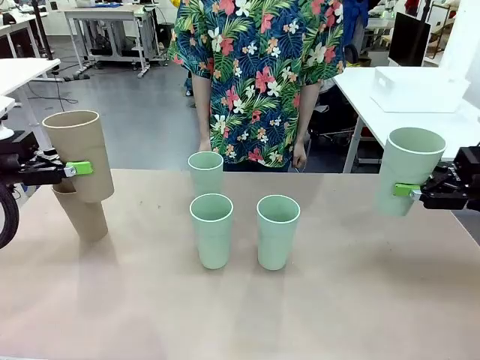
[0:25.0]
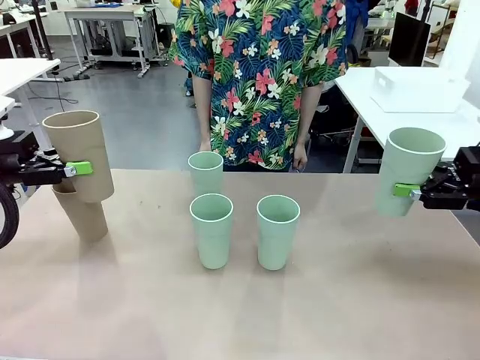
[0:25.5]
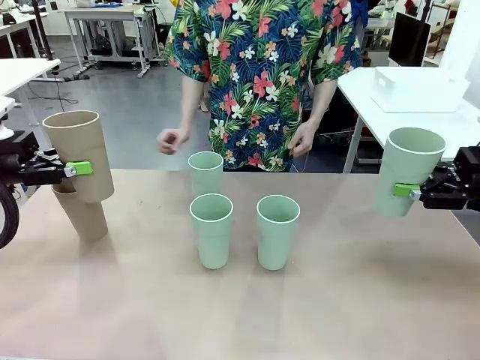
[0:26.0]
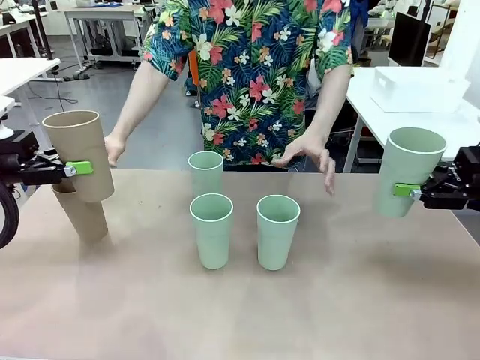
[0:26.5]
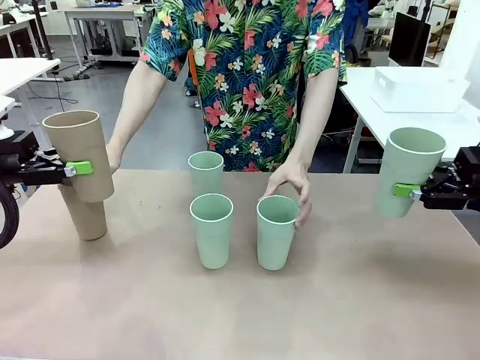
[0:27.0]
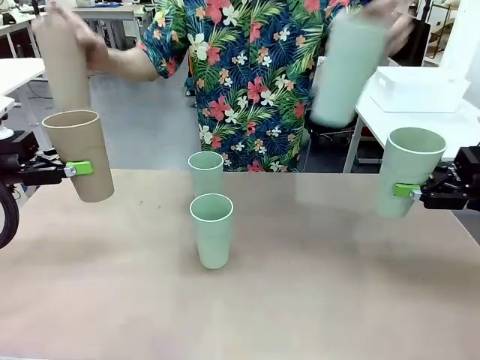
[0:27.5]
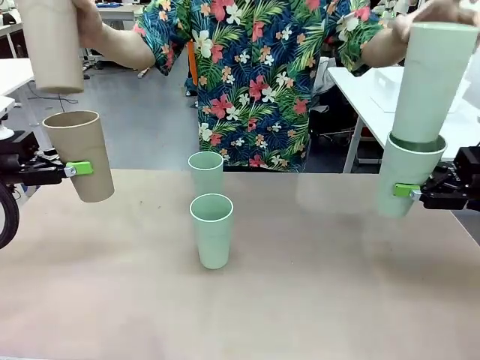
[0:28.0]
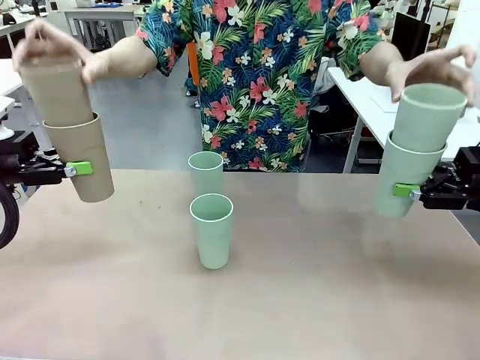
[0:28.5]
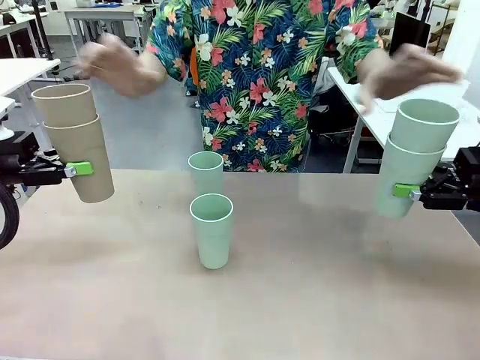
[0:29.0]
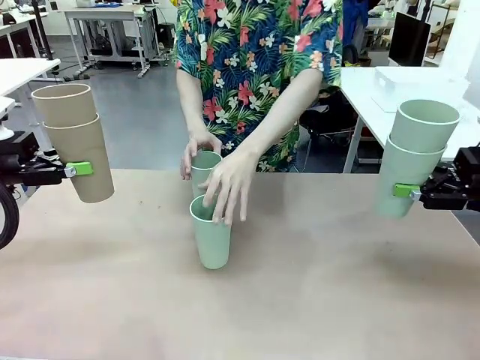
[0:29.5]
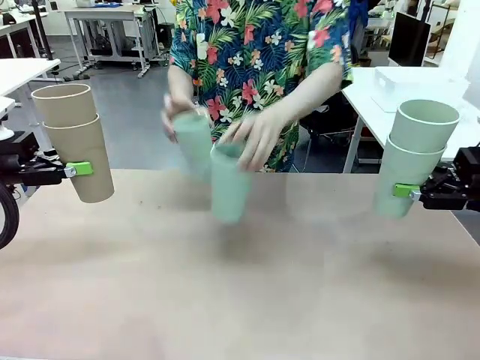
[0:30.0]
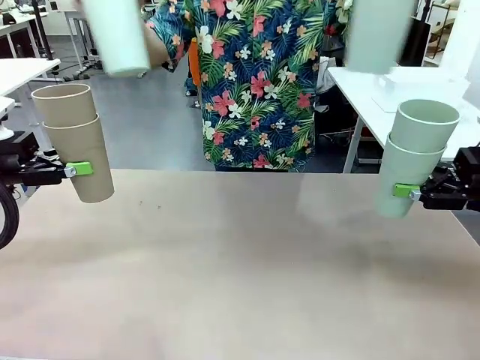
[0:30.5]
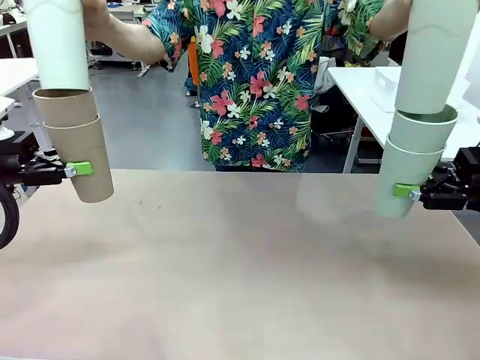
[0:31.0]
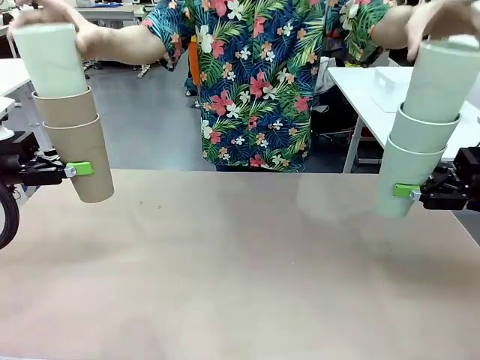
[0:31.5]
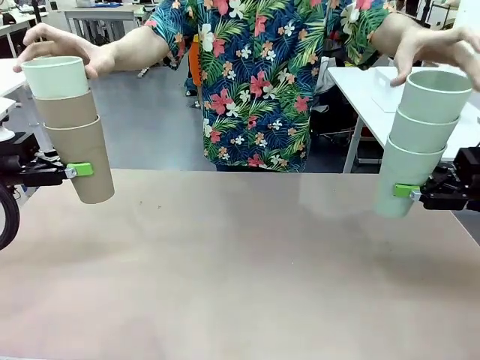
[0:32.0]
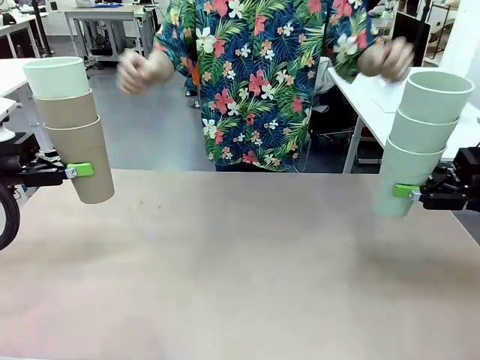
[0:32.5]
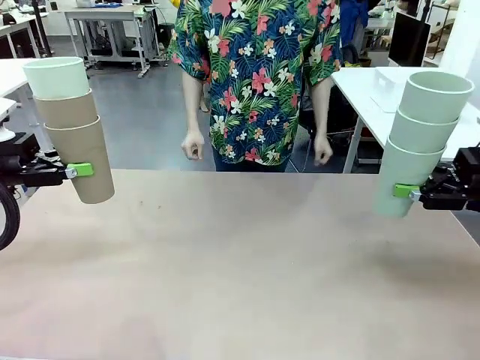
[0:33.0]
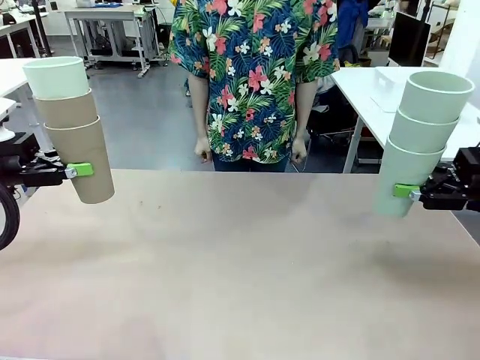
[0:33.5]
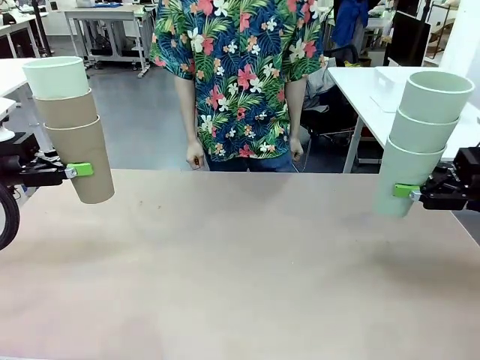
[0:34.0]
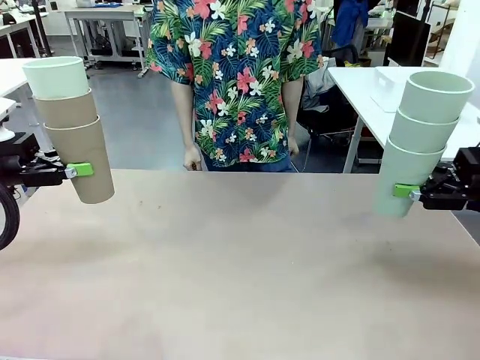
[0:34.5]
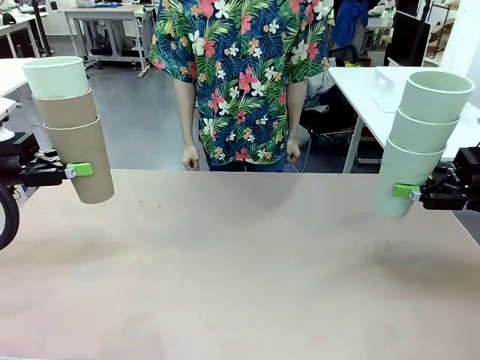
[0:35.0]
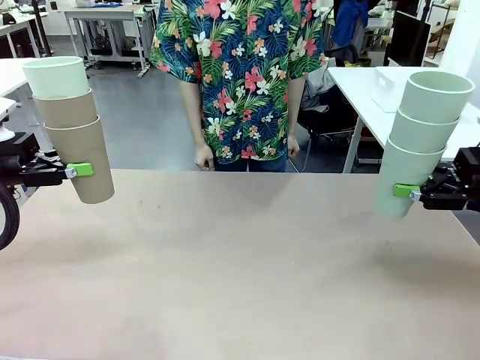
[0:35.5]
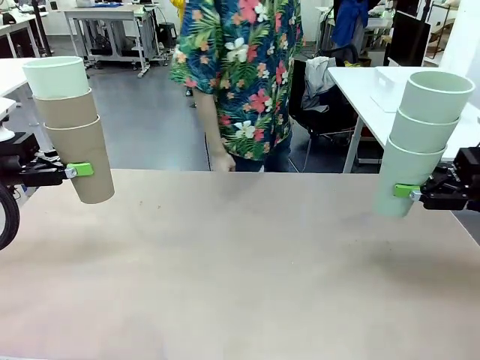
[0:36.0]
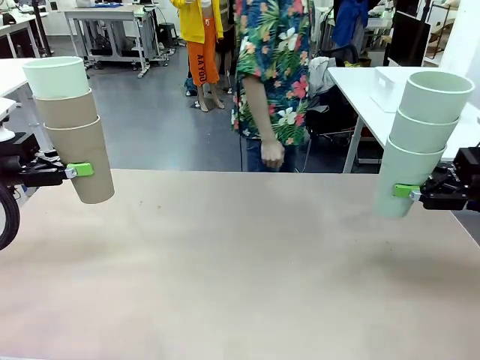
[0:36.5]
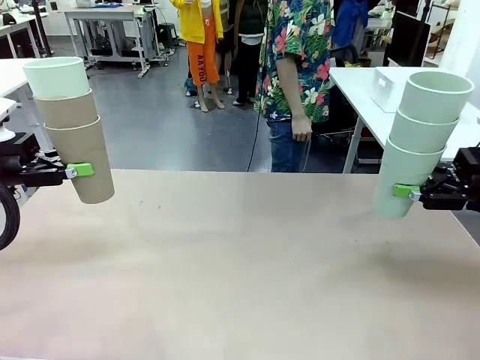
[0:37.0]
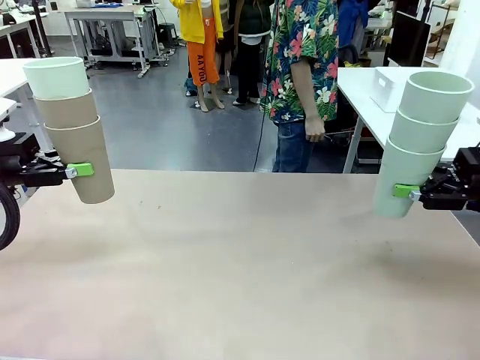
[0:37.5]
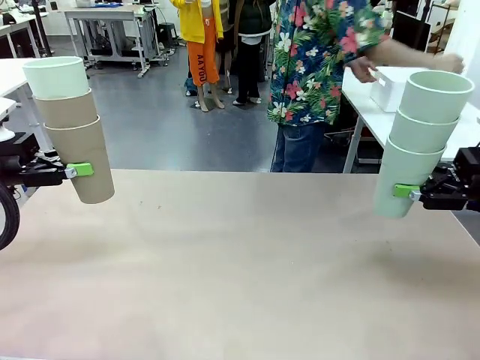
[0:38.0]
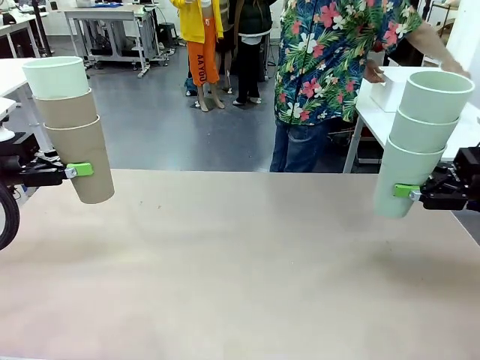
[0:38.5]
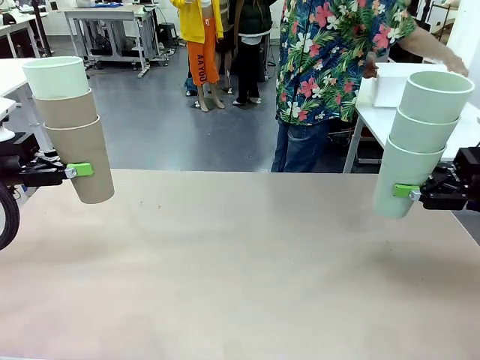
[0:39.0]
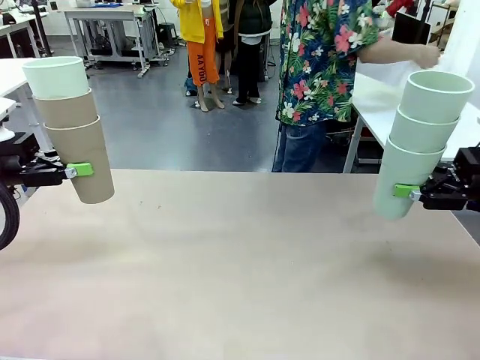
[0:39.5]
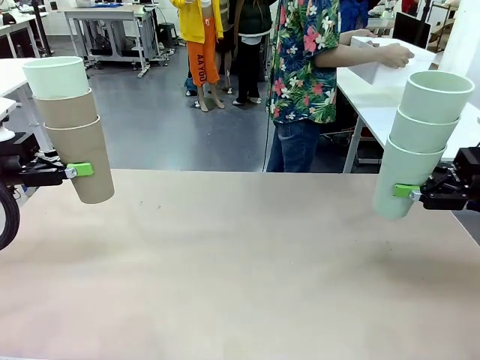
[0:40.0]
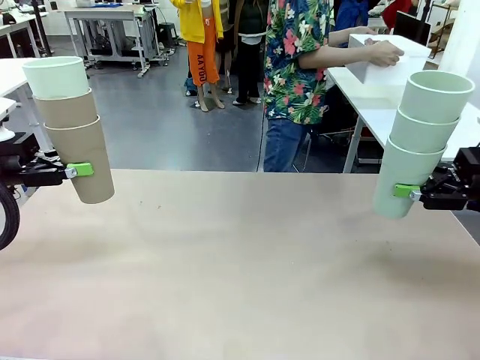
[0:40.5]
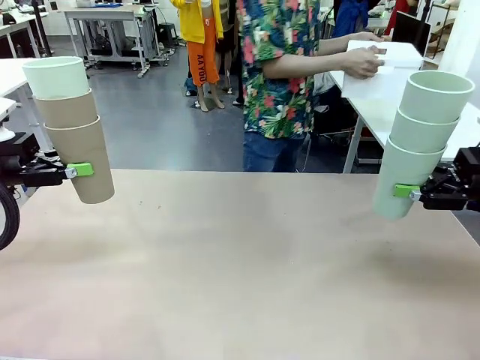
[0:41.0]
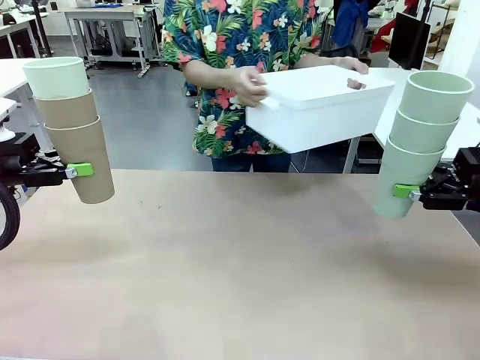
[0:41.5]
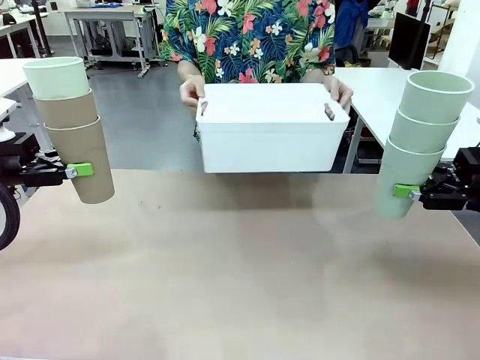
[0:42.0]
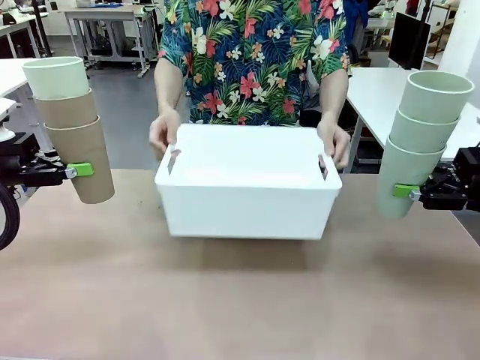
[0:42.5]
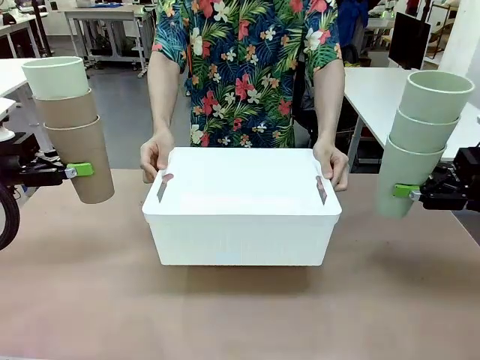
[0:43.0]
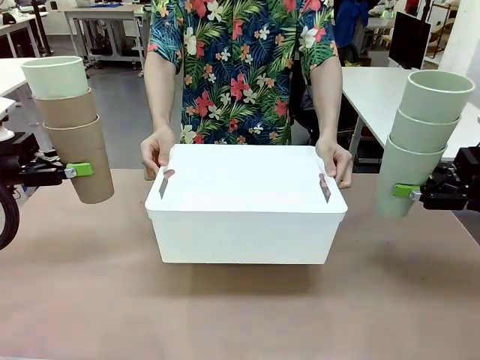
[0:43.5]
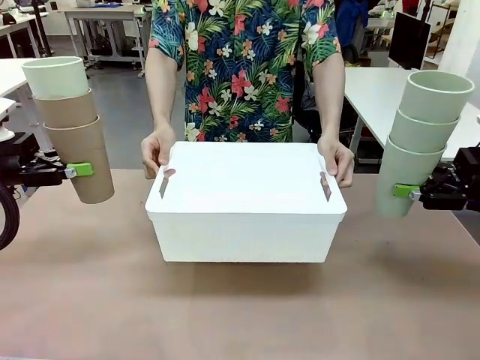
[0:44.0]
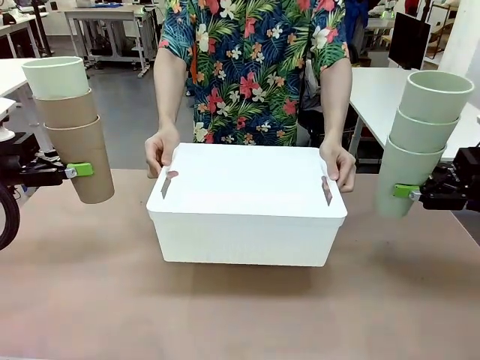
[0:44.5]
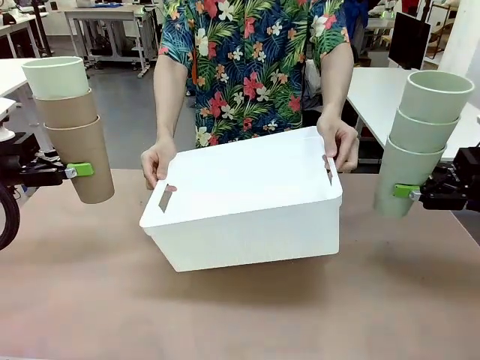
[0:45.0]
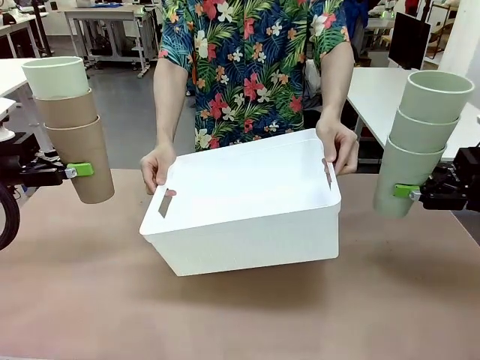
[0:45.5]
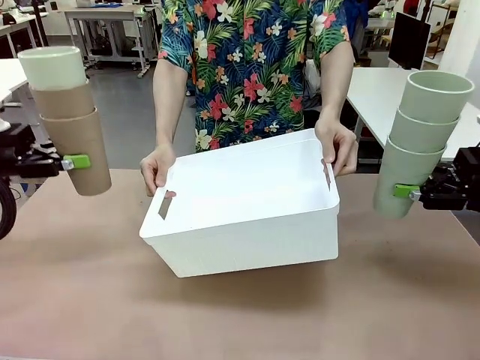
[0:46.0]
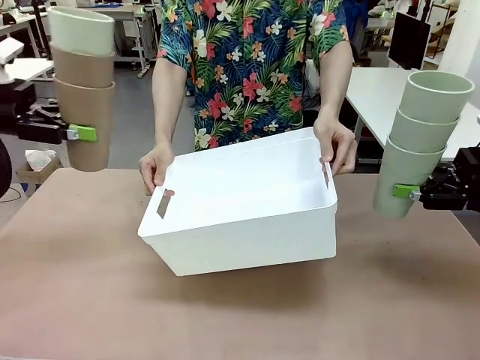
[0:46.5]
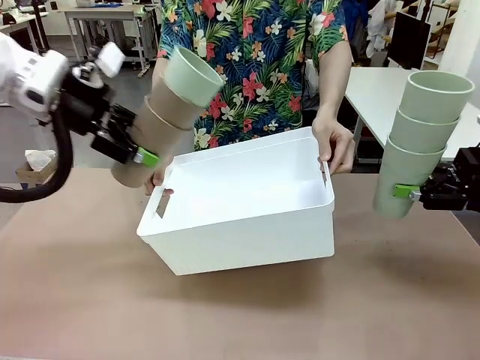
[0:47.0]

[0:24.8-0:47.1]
Task: Stack the cups and store them in the basket.
Robot: Place the stack of Reusable plastic cups into the Pantry Basket.
Person: Pick up the basket from the Human Table, bring it to the front of the robot, and present it.

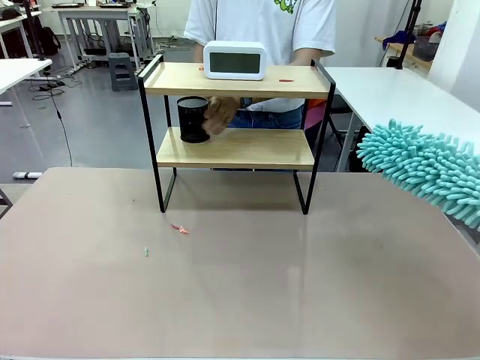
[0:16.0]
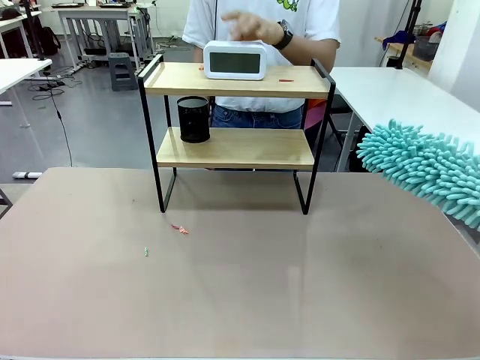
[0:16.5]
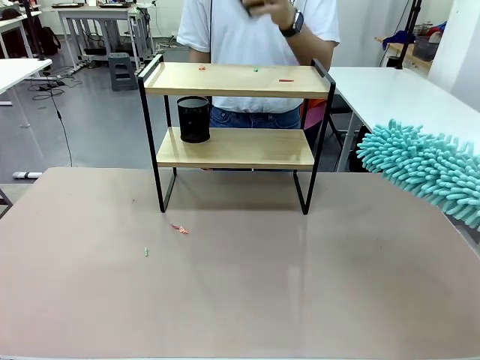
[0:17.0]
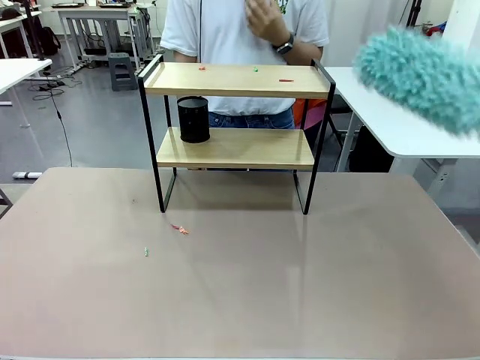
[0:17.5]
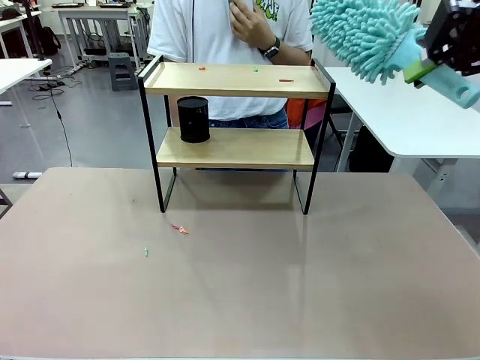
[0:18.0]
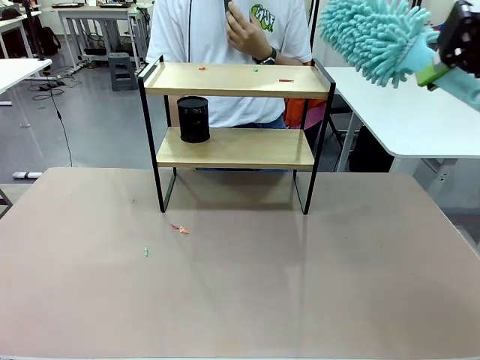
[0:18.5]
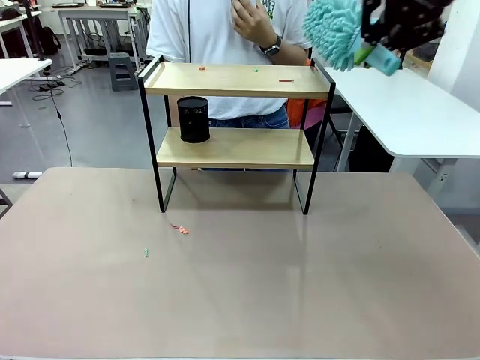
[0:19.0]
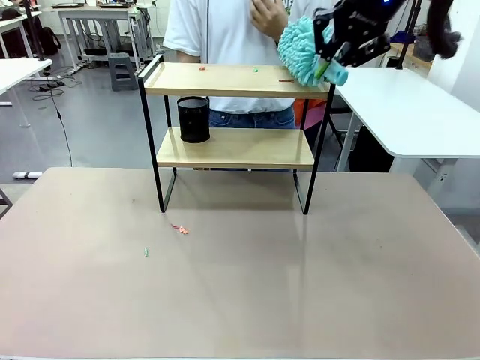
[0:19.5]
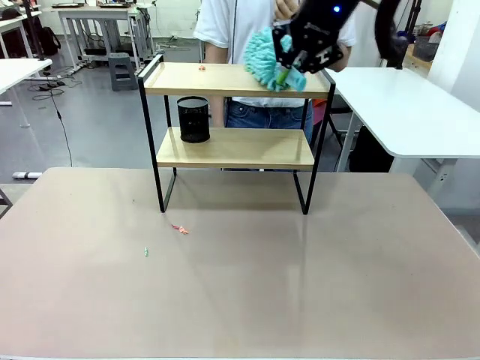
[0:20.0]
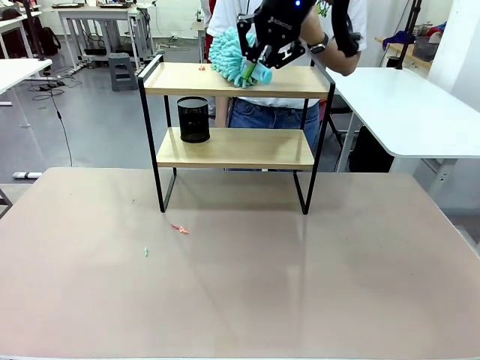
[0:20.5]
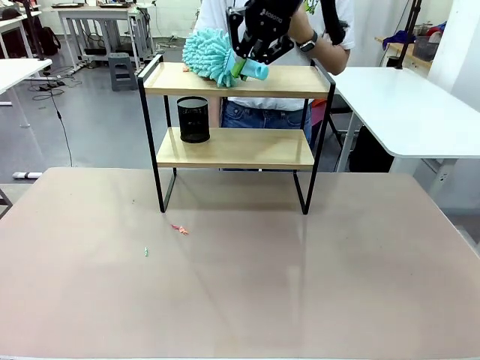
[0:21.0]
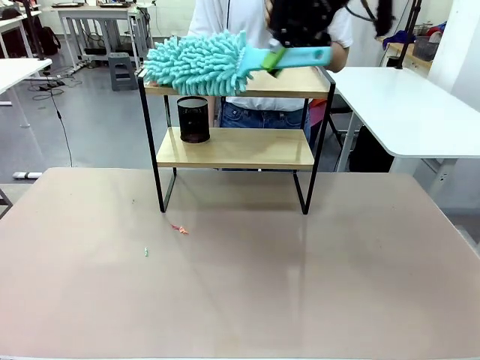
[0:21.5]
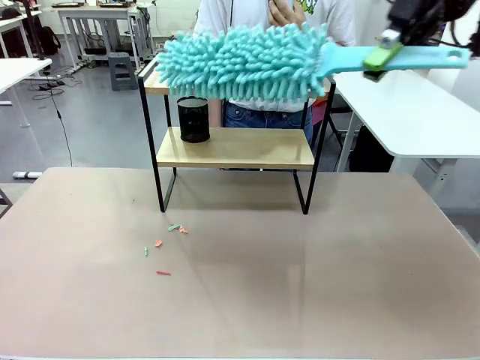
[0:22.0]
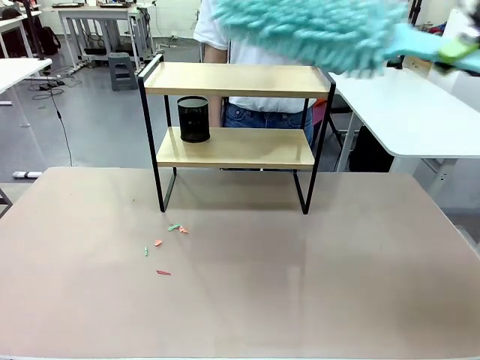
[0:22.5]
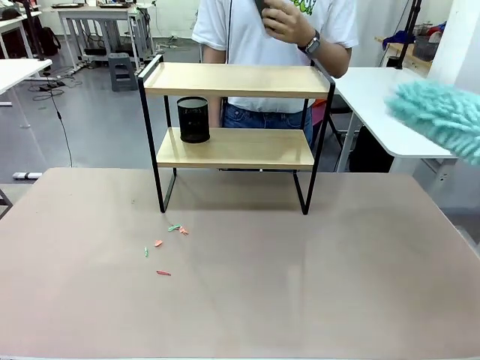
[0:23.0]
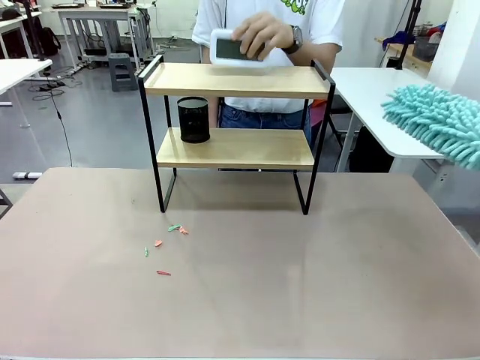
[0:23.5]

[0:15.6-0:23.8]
Task: Clean the shelf.
Robot: Clean the remaining tier of the Shelf with the Duster once objects are removed.
